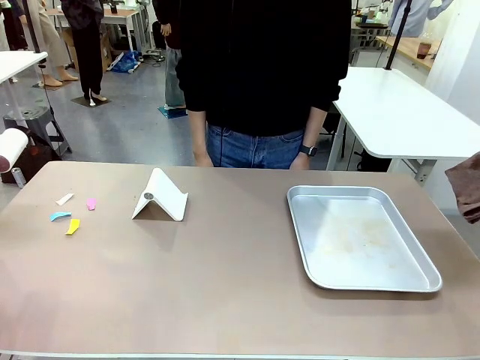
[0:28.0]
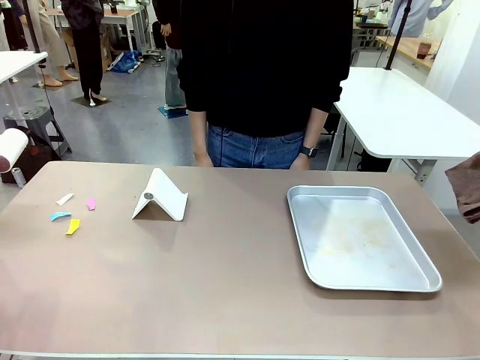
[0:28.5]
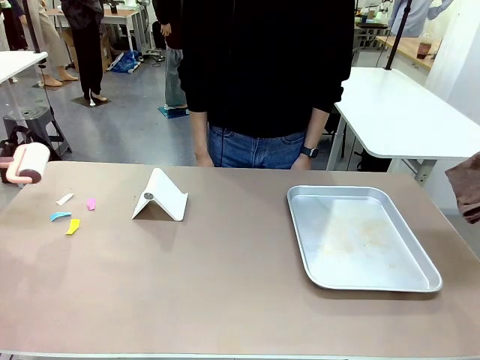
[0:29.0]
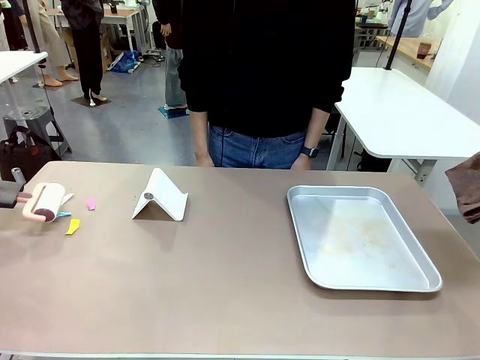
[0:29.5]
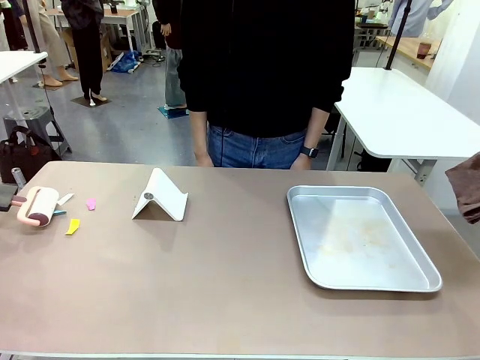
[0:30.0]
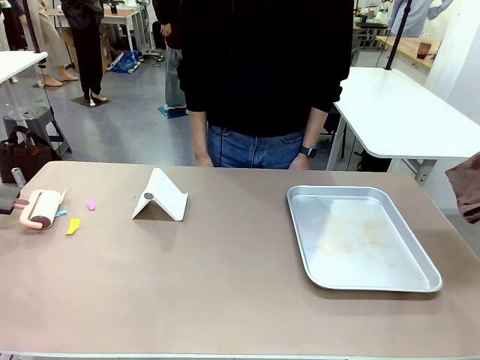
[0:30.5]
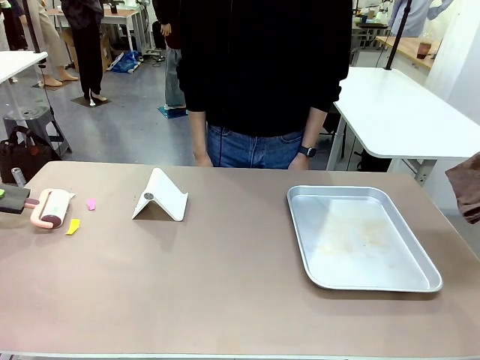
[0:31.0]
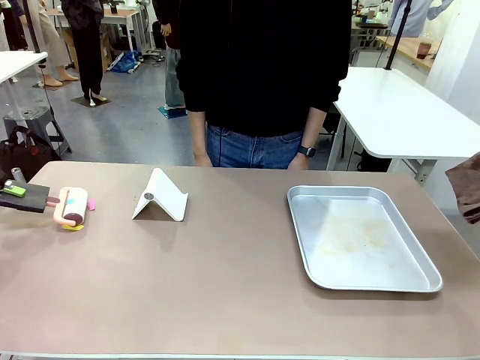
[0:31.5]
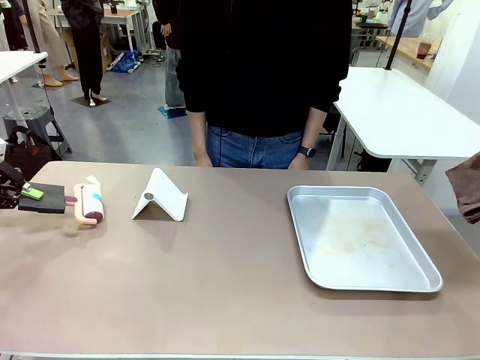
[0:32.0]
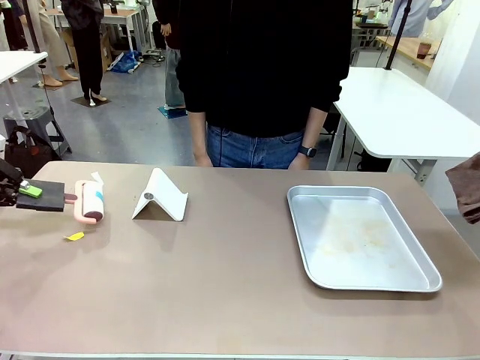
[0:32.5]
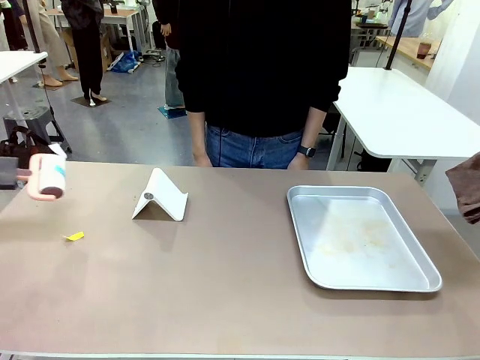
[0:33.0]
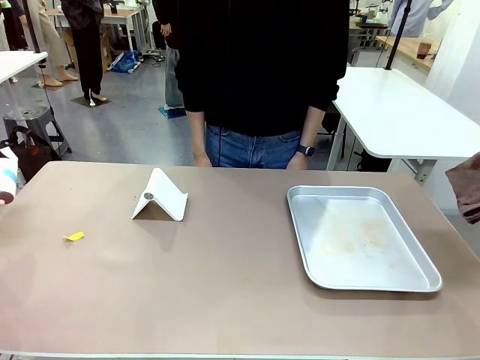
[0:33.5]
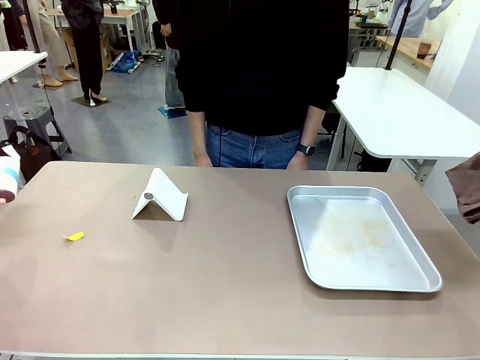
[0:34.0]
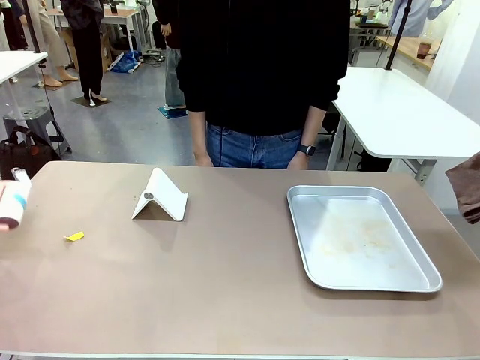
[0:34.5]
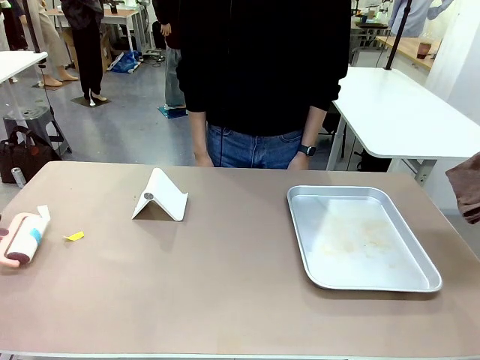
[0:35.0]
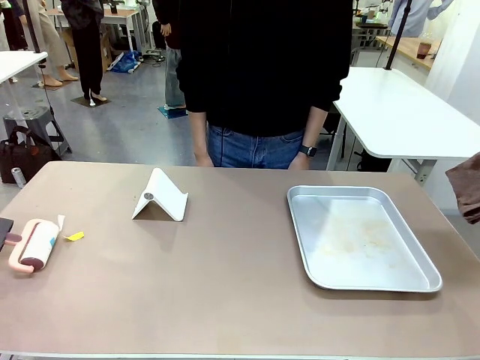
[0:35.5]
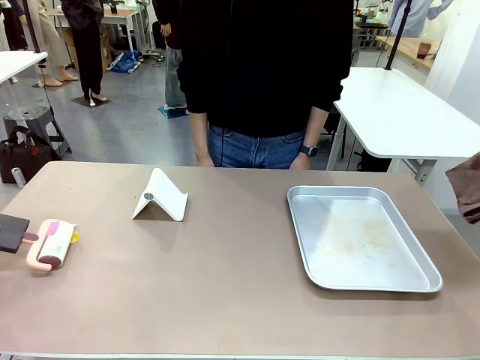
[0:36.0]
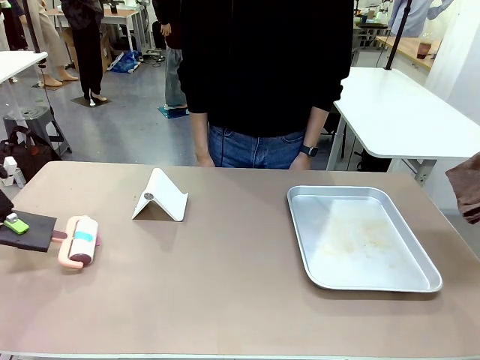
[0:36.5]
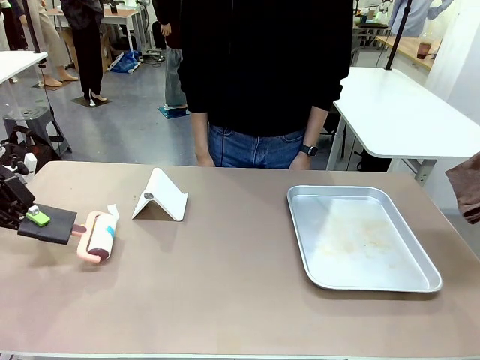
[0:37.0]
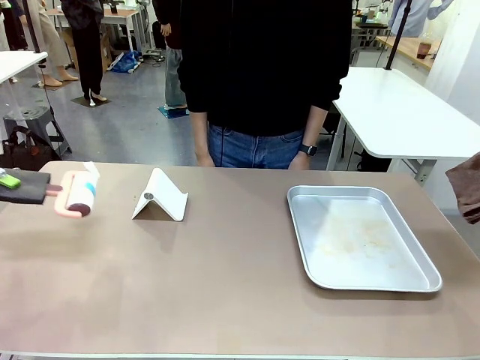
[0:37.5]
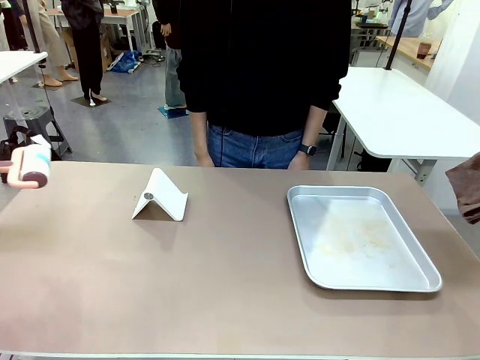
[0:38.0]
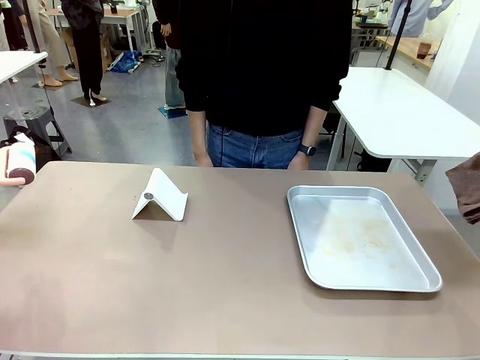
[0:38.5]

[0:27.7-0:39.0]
Task: Clean the surface of the table.
Robot: Clean the area not pointed to by the person.

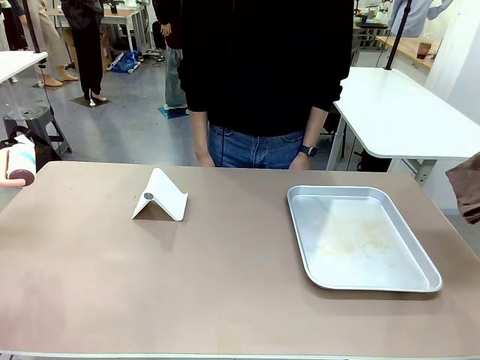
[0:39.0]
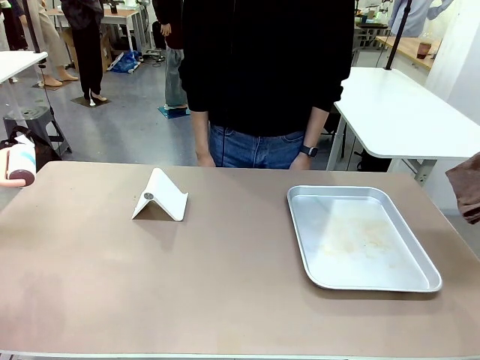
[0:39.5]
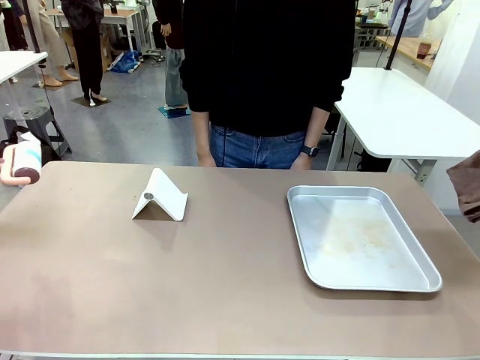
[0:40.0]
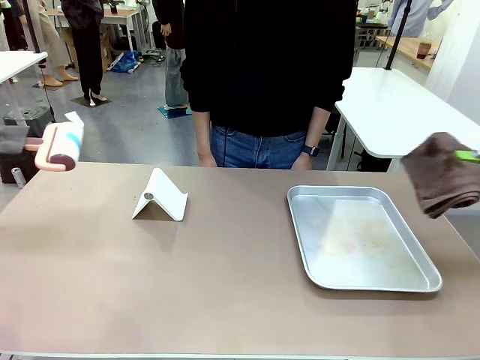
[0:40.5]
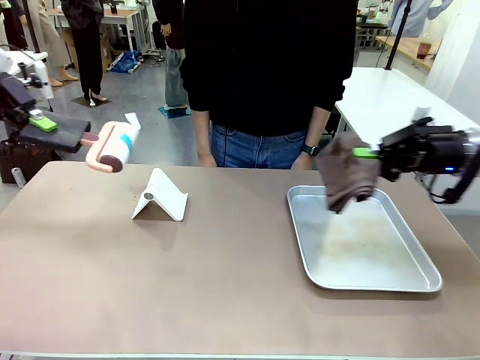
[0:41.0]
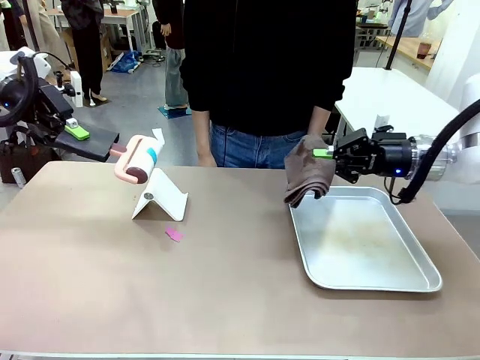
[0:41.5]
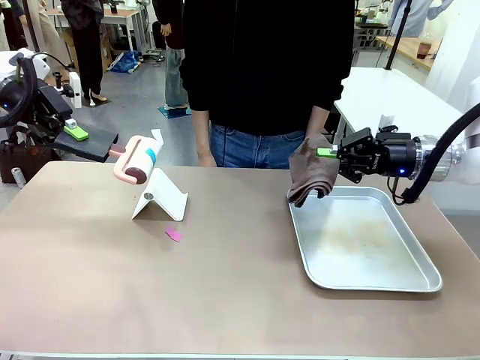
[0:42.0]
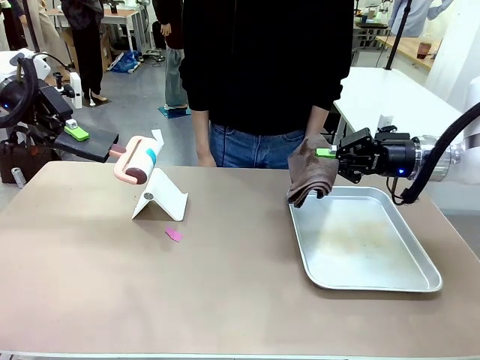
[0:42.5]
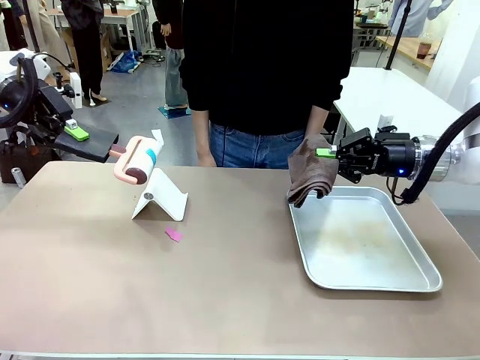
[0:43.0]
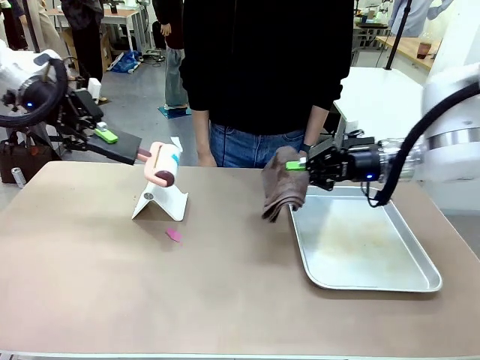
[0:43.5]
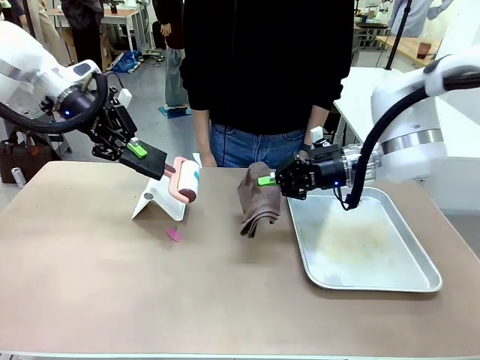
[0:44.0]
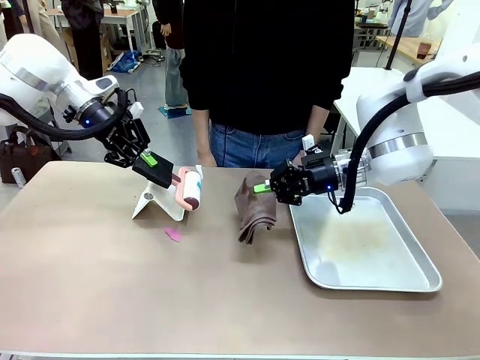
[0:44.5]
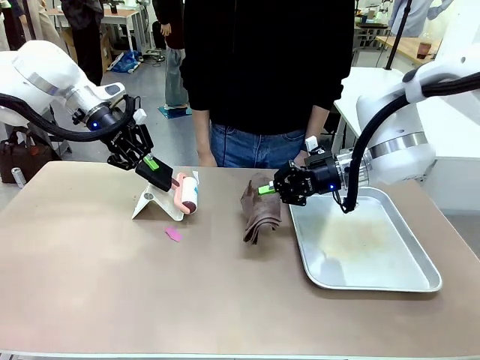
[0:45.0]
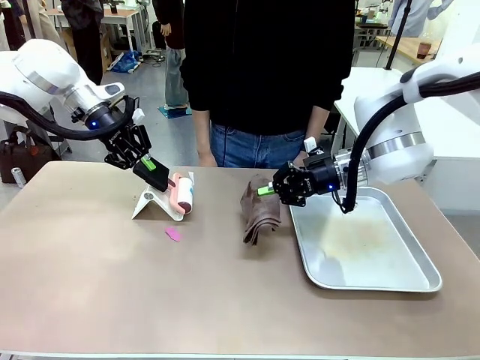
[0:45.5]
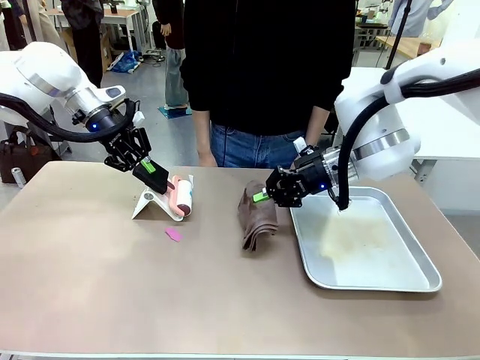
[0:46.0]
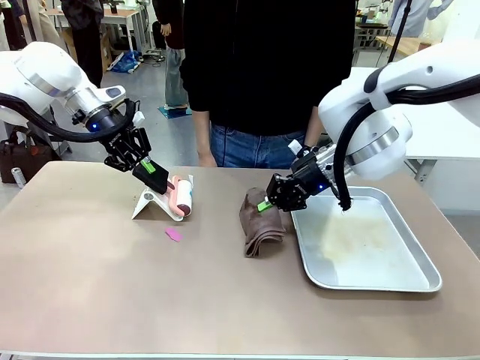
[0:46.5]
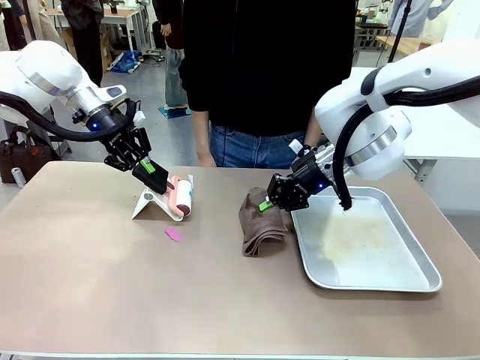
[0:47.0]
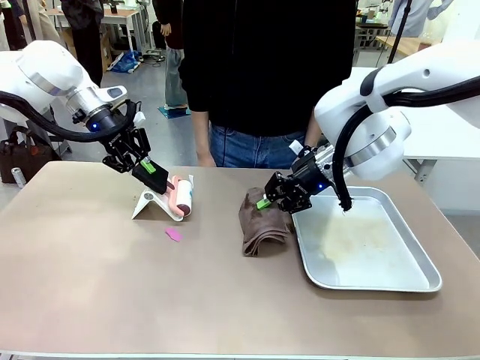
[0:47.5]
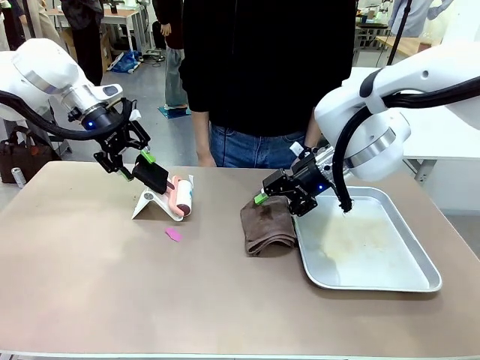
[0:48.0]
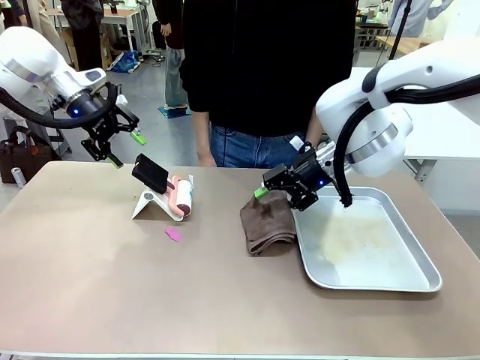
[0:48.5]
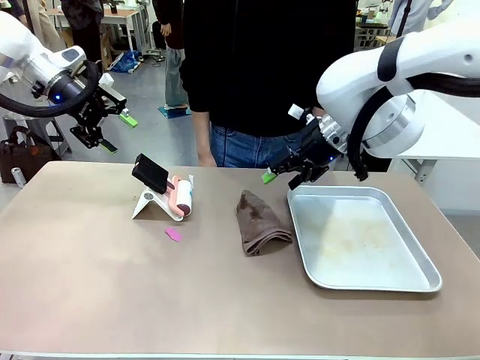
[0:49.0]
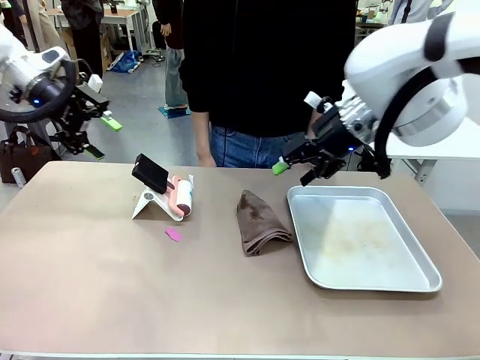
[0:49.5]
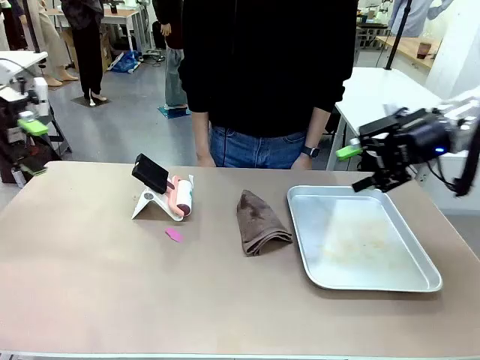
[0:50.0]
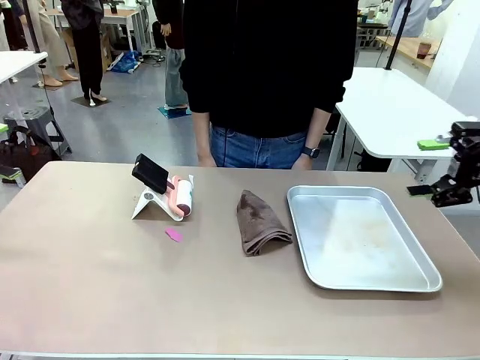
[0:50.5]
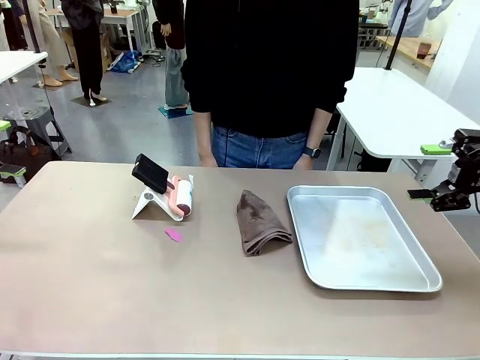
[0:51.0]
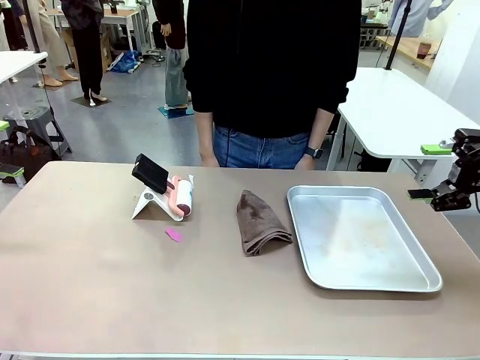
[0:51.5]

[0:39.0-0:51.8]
Robot: Return the Lint Roller and towel to their original positions.
